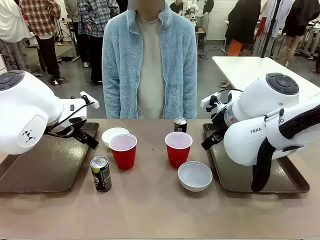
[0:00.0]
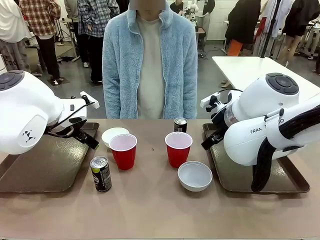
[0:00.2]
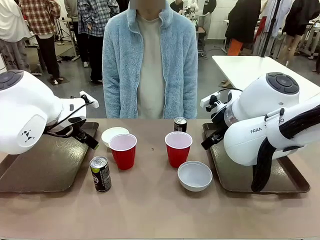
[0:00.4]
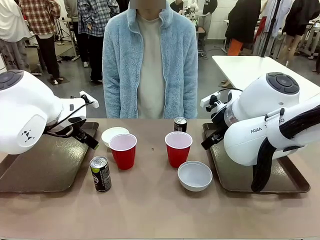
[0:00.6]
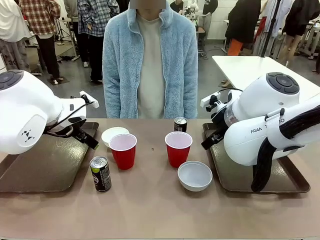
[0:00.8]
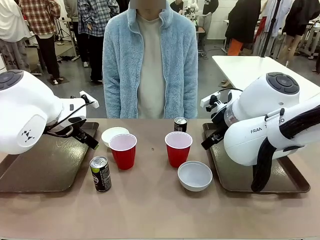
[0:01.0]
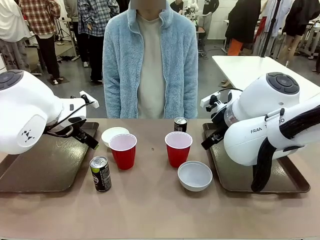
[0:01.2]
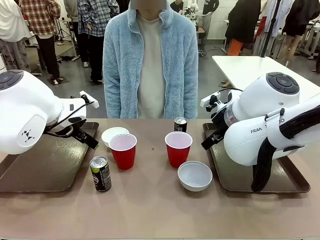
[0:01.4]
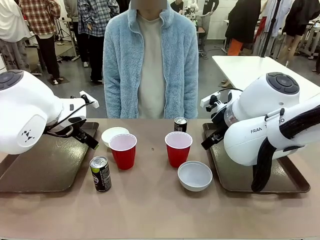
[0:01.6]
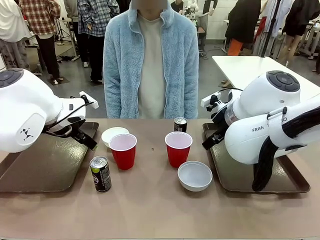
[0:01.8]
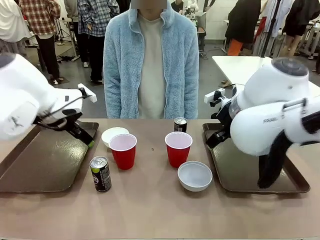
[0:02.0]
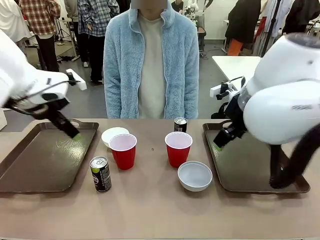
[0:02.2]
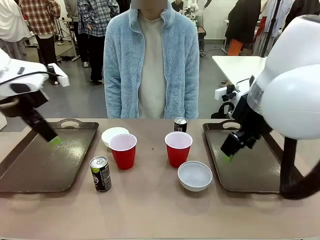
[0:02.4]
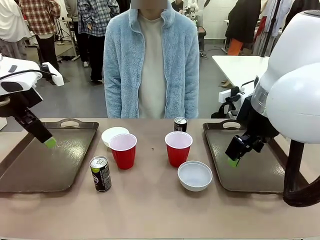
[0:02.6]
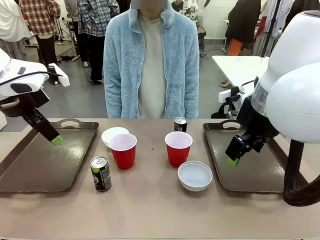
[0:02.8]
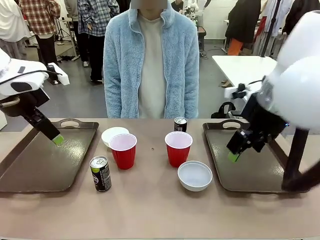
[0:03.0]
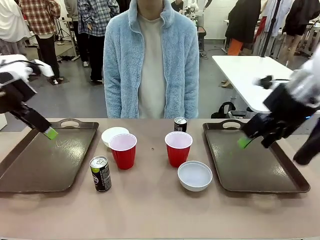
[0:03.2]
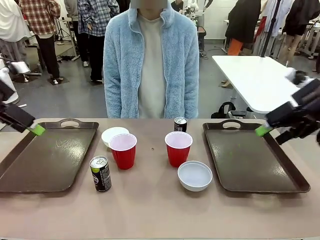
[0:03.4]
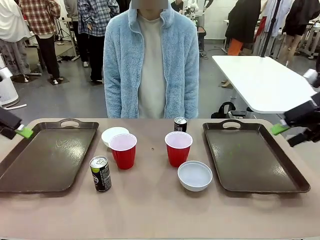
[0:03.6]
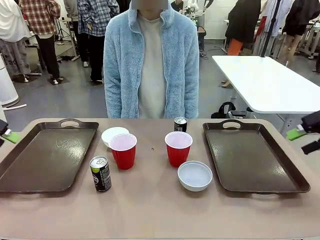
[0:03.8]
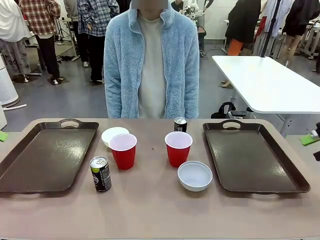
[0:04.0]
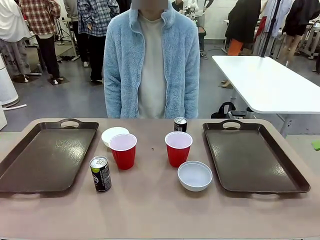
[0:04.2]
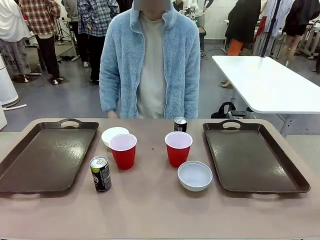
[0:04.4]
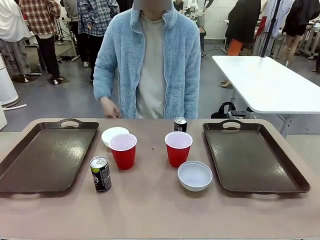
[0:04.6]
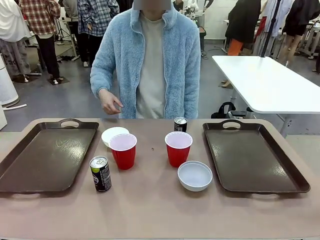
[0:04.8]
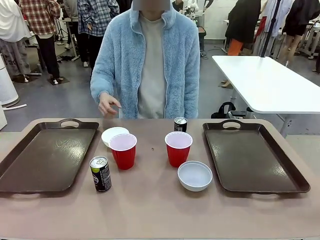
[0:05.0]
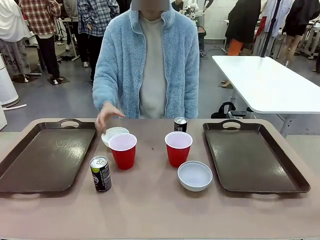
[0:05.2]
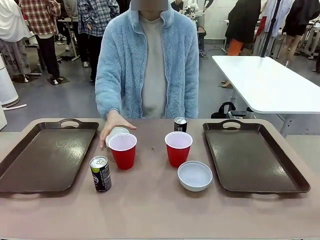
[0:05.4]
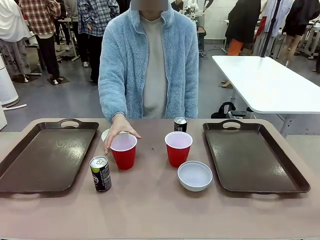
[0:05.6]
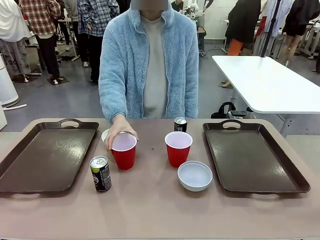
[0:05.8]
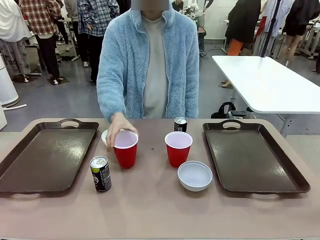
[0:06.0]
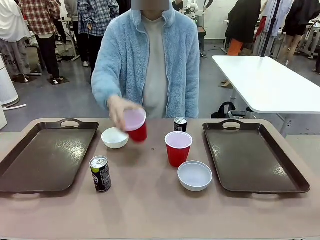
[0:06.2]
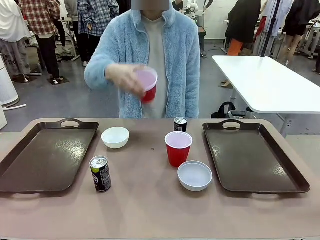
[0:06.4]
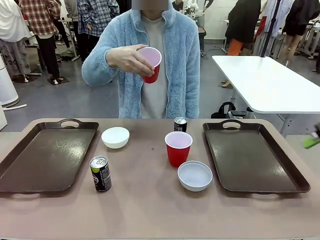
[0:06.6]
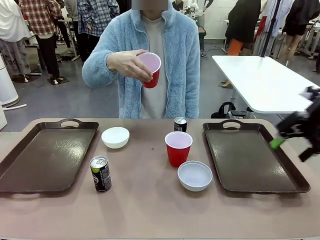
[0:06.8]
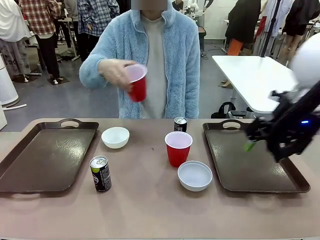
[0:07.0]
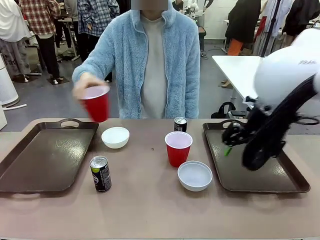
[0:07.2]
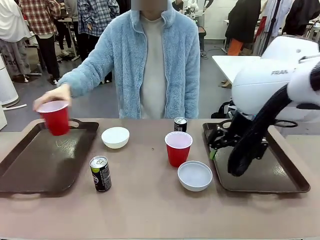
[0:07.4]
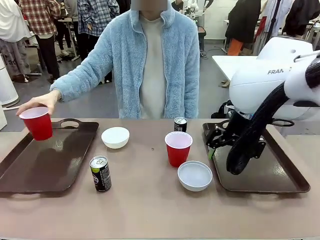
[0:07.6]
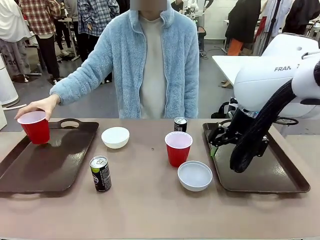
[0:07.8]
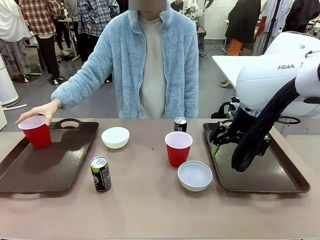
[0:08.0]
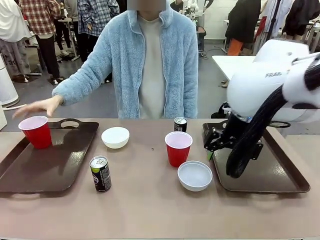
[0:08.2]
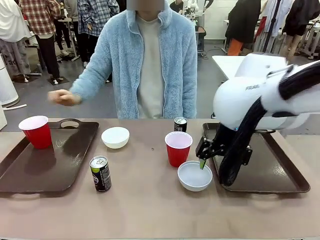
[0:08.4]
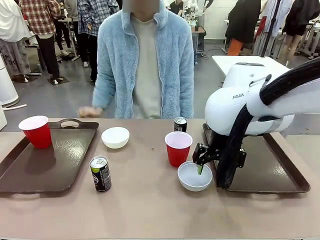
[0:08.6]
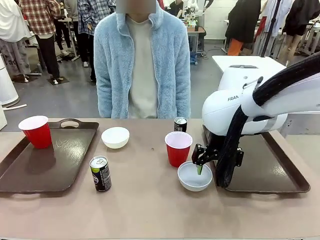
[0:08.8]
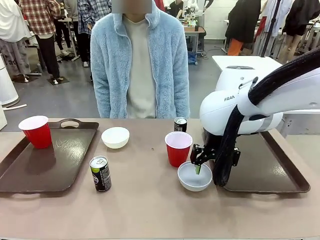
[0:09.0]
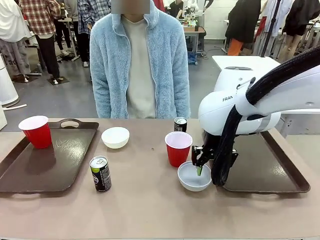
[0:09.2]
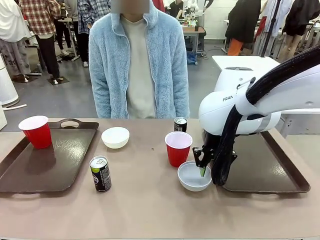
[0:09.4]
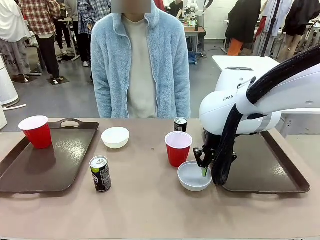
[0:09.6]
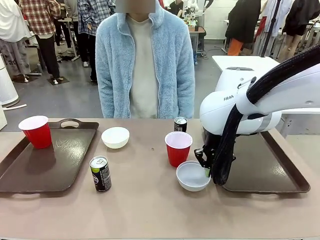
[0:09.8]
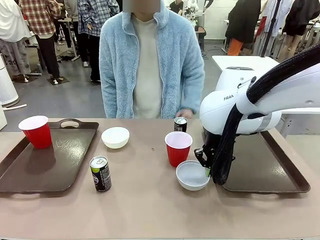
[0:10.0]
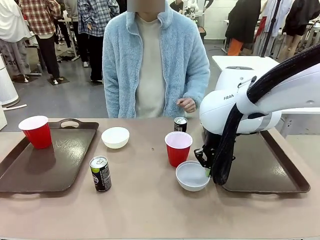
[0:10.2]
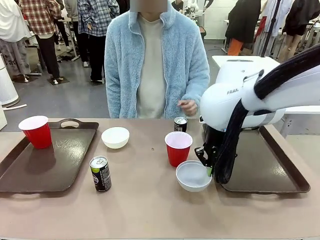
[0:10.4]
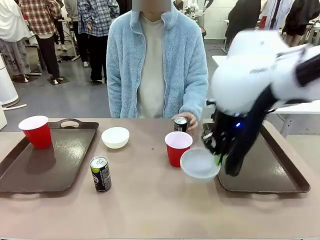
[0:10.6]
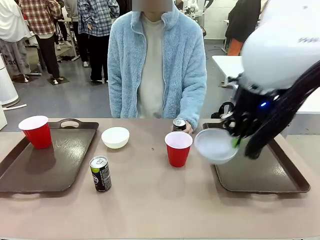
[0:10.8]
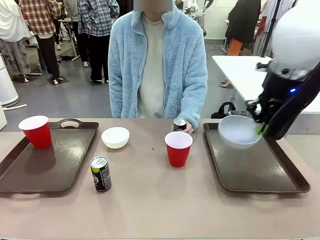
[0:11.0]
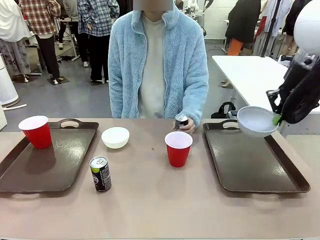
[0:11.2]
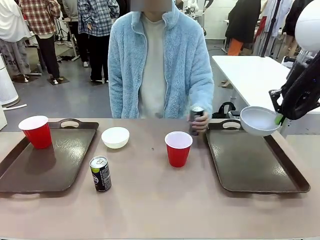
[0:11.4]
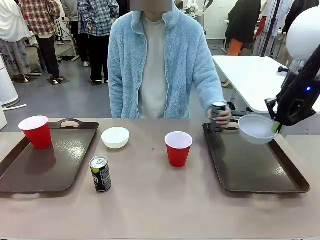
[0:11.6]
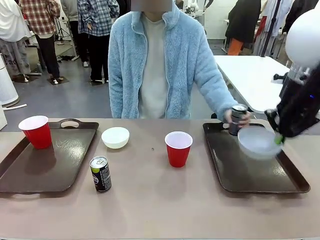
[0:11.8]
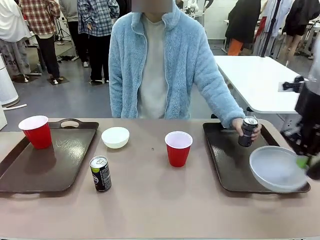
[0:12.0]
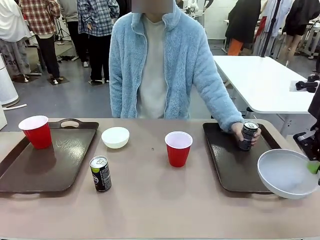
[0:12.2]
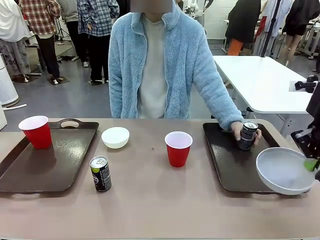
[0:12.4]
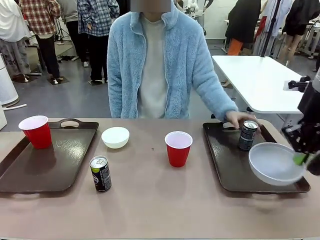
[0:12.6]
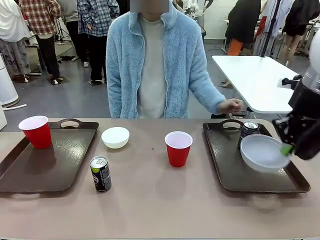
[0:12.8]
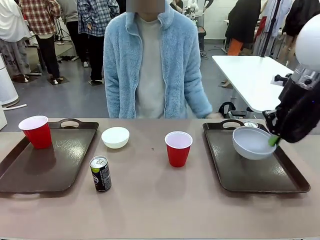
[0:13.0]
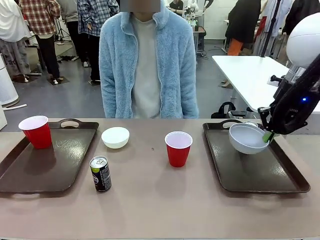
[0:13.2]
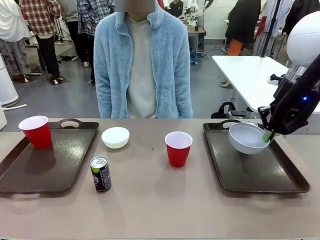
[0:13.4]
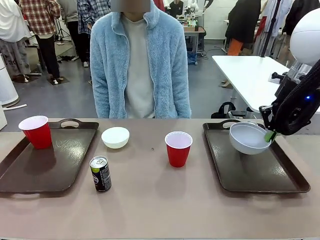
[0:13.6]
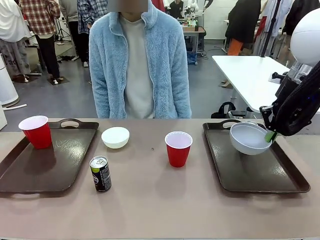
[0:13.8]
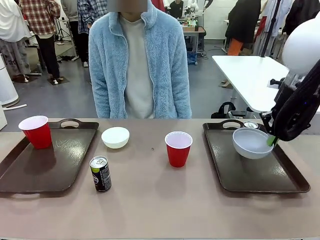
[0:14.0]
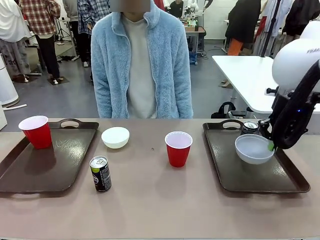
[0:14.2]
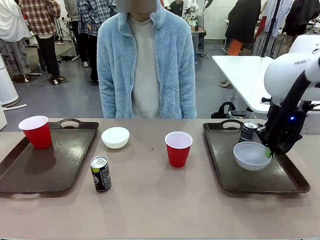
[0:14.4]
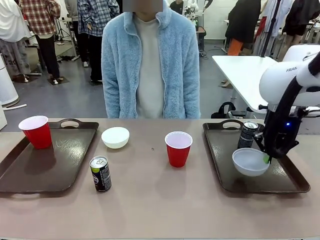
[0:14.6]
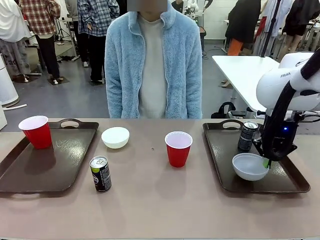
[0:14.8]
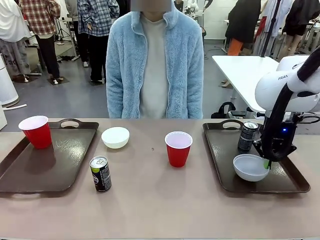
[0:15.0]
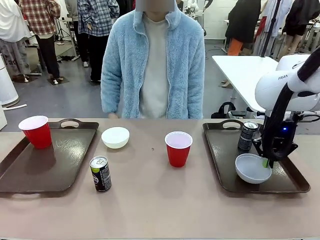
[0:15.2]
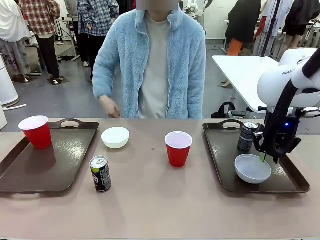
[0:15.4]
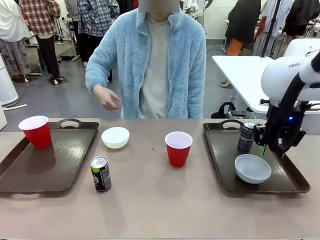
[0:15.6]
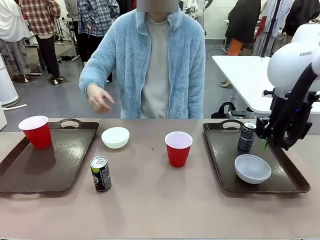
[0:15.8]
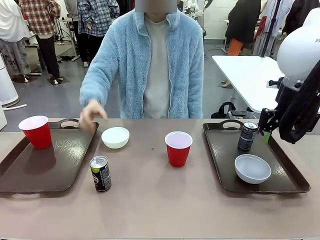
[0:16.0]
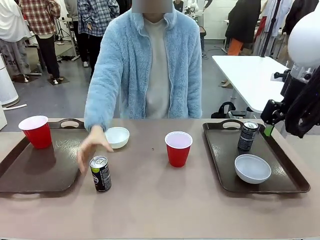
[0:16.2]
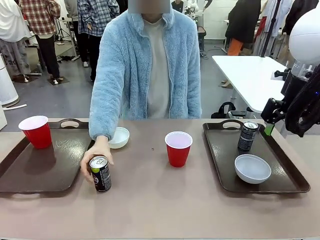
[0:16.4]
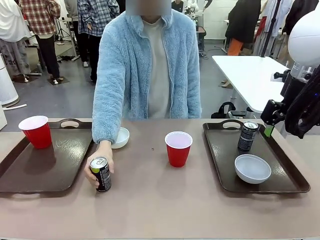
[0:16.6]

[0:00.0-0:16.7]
Task: Prepare tableware on both trays.
Robot: Pick up a Picnic Bowl from the table and place it on a Handle tray.
Person: Pick up a can or cup and place it on the tray.
